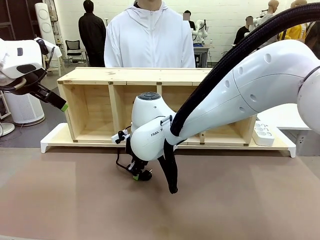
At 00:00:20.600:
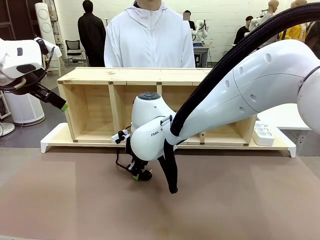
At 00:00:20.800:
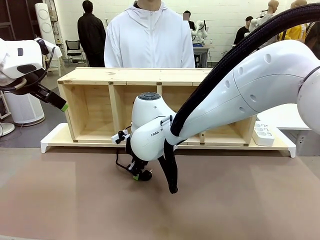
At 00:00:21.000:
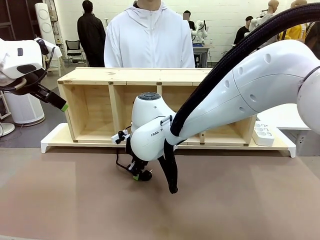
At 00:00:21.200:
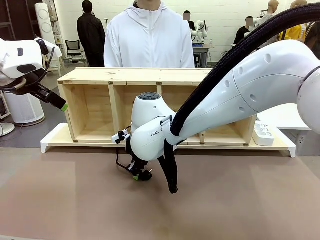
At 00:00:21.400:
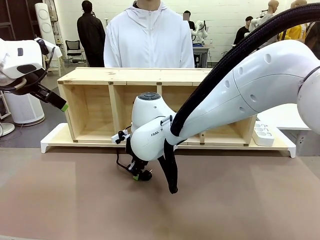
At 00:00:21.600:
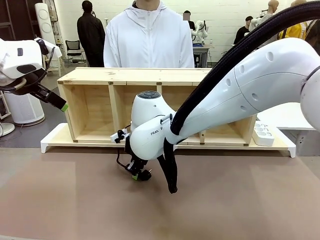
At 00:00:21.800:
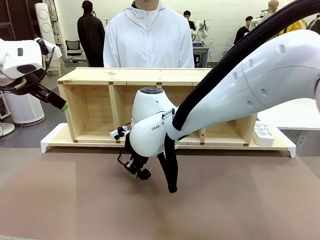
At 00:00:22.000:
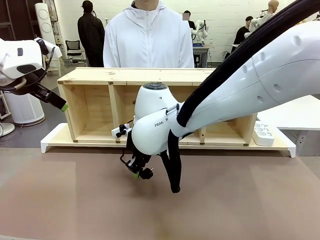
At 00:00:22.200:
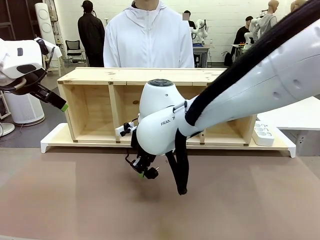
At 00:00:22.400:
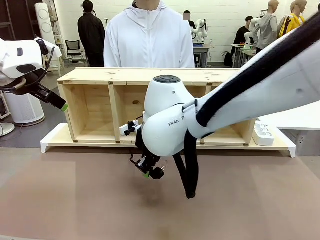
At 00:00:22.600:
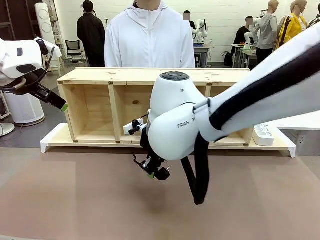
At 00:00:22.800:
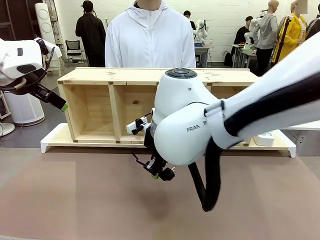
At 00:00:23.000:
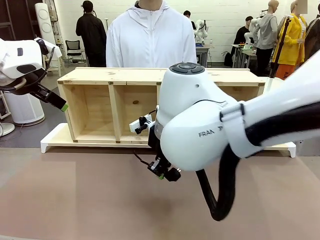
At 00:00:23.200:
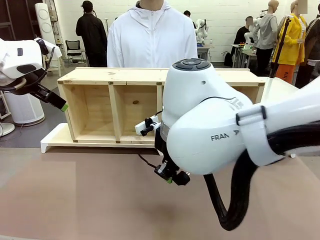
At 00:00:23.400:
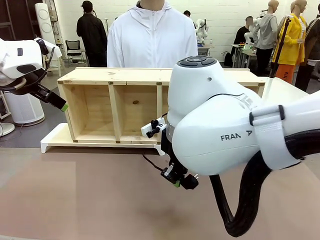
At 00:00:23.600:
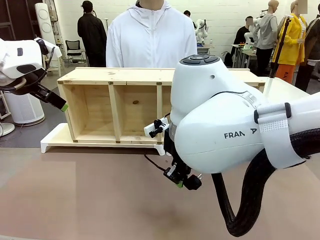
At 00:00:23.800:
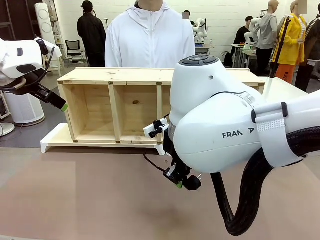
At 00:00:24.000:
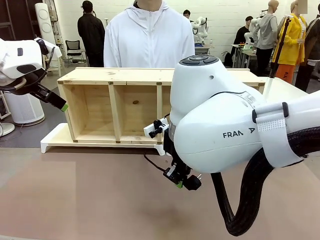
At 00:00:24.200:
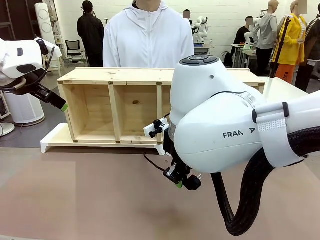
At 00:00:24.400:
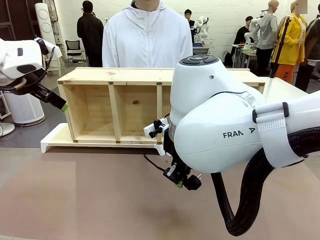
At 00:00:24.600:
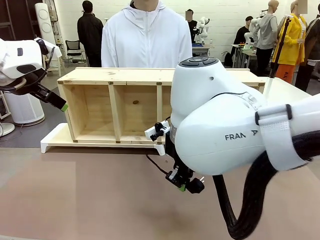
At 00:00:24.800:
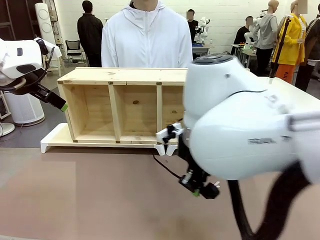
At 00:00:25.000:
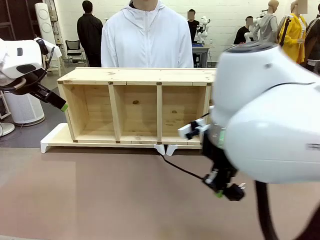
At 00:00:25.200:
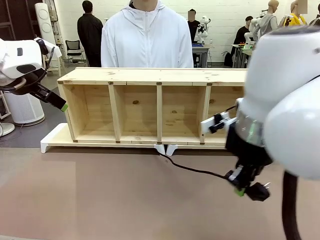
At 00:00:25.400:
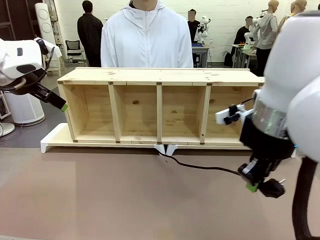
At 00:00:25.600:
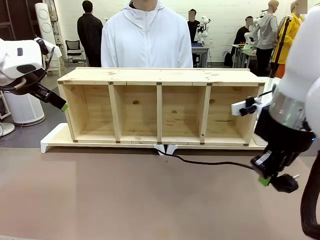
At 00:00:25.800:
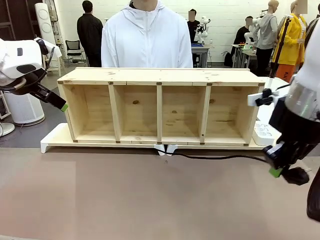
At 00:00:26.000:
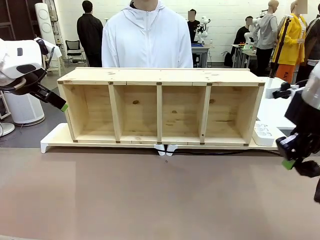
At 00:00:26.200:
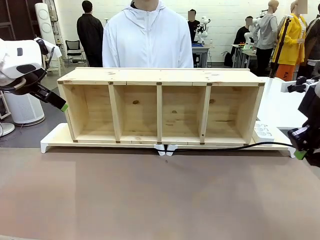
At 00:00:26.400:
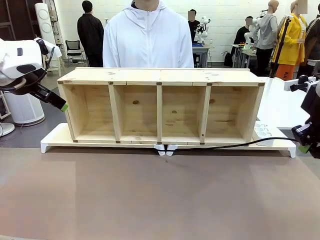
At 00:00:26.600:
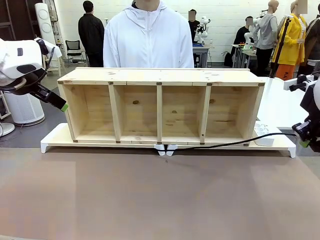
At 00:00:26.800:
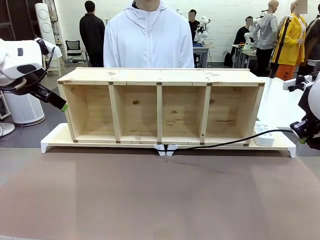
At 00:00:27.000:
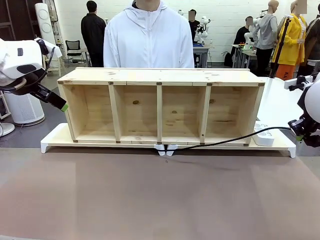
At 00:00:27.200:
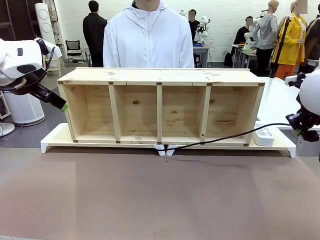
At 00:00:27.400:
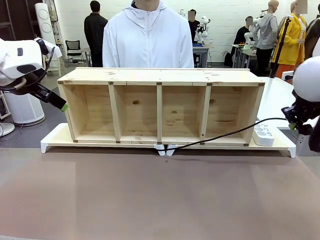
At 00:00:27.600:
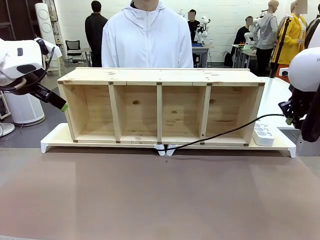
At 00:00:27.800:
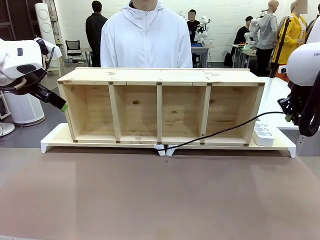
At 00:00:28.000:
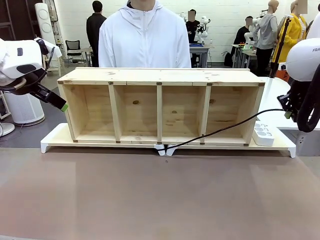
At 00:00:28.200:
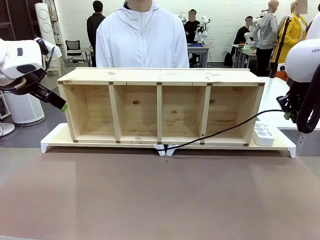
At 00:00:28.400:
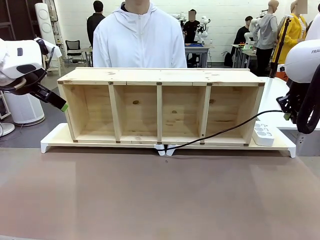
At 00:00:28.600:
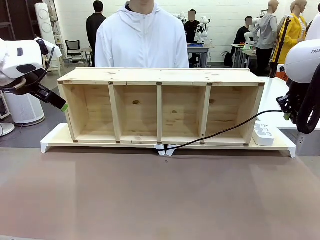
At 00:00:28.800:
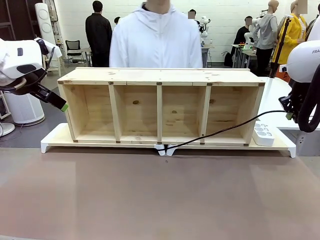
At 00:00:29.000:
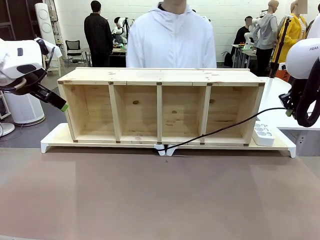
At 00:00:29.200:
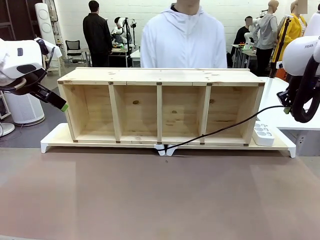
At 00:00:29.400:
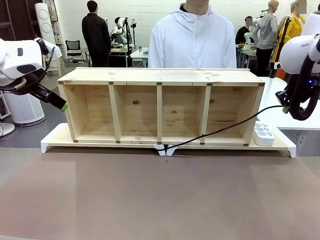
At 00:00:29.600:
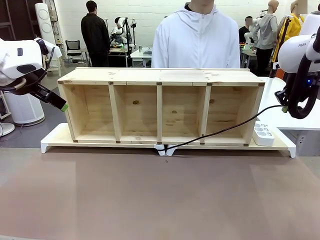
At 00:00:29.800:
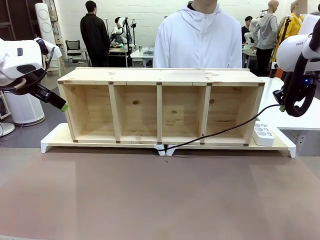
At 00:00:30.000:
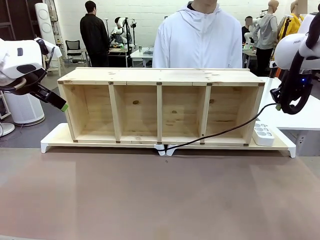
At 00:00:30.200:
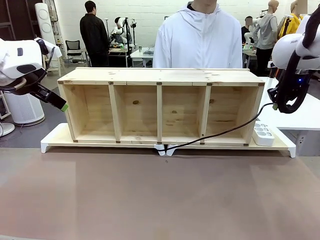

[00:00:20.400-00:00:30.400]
Task: Perform cable management.
Robot: Pull the grasped Power Cable to the location of the Power Strip.

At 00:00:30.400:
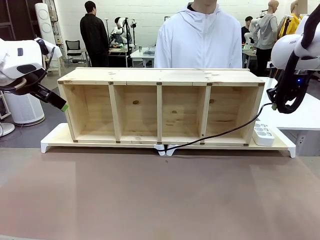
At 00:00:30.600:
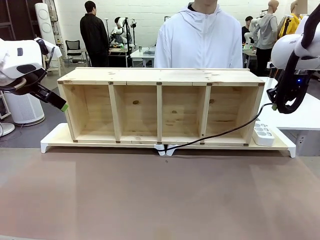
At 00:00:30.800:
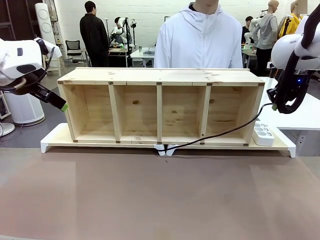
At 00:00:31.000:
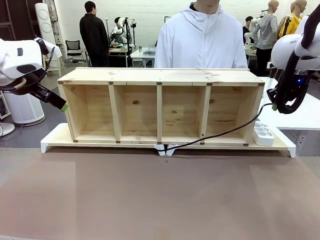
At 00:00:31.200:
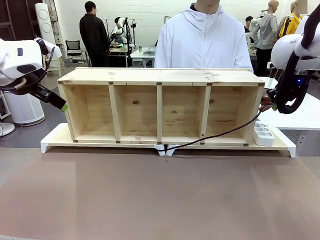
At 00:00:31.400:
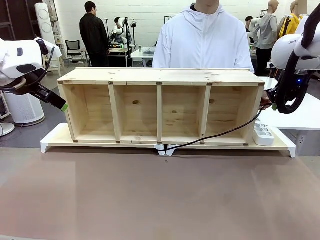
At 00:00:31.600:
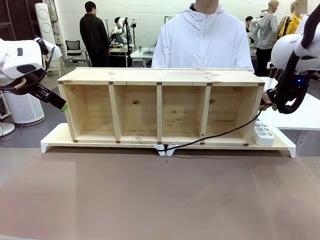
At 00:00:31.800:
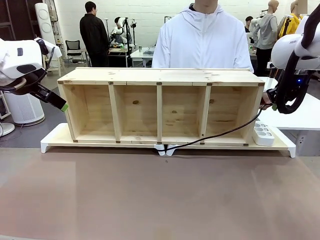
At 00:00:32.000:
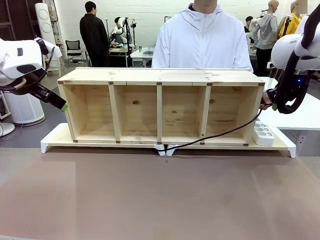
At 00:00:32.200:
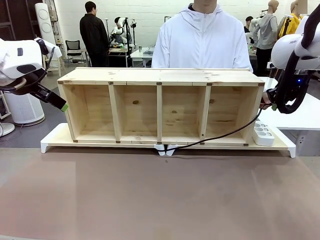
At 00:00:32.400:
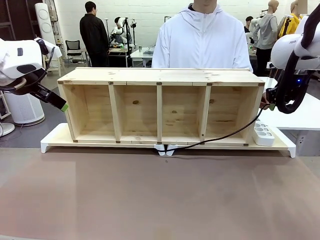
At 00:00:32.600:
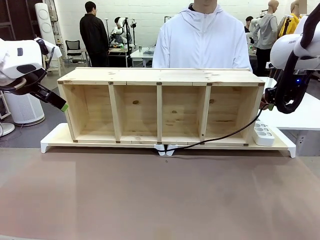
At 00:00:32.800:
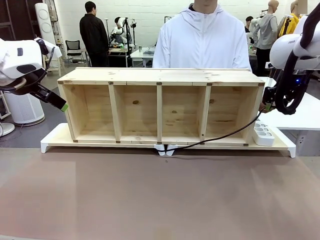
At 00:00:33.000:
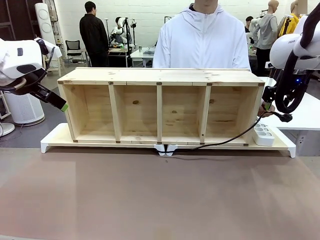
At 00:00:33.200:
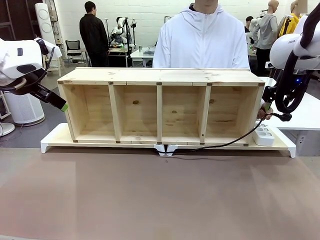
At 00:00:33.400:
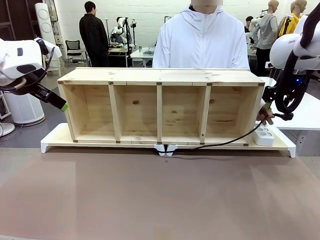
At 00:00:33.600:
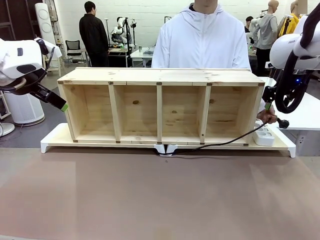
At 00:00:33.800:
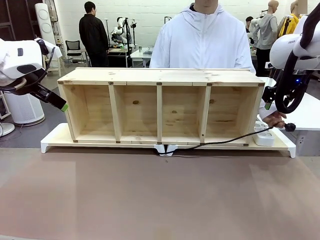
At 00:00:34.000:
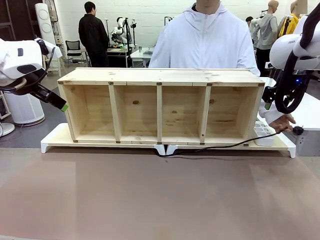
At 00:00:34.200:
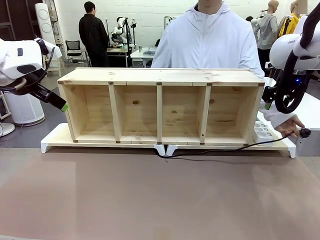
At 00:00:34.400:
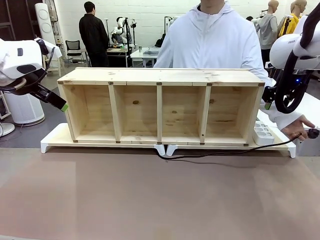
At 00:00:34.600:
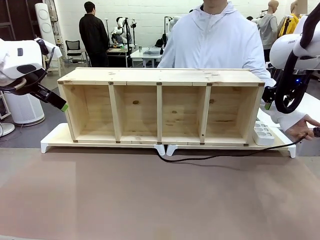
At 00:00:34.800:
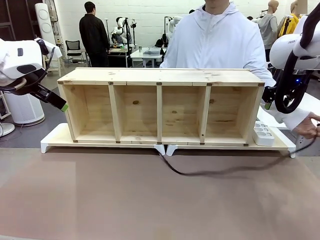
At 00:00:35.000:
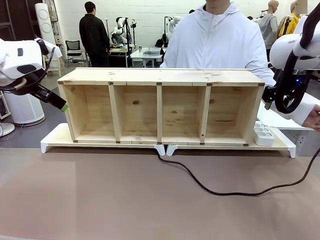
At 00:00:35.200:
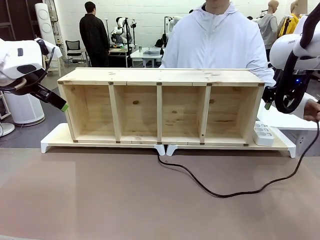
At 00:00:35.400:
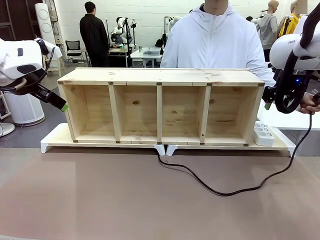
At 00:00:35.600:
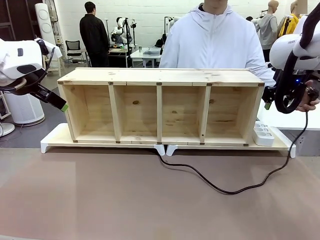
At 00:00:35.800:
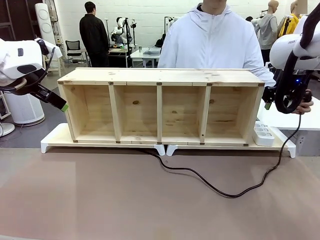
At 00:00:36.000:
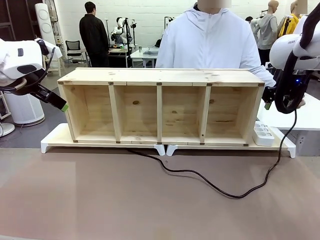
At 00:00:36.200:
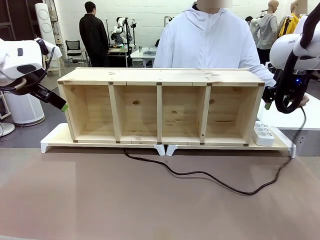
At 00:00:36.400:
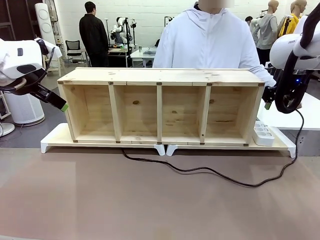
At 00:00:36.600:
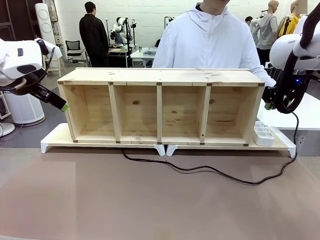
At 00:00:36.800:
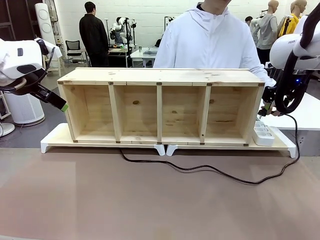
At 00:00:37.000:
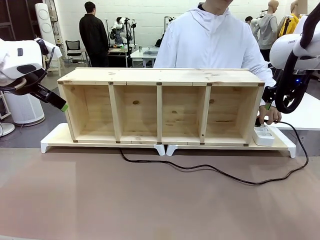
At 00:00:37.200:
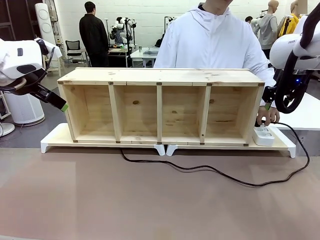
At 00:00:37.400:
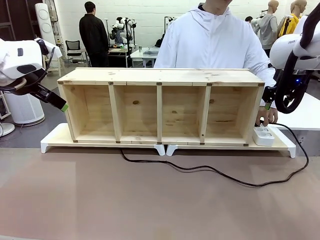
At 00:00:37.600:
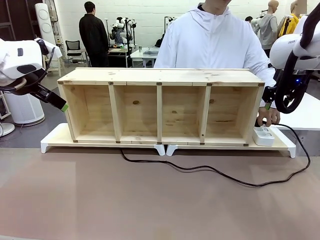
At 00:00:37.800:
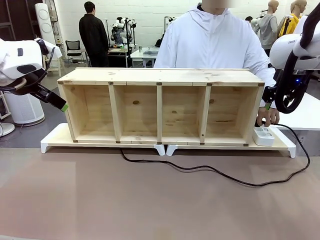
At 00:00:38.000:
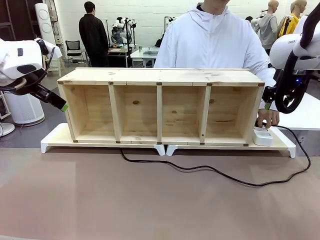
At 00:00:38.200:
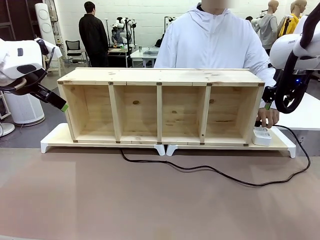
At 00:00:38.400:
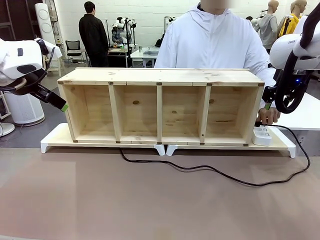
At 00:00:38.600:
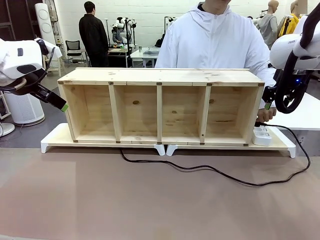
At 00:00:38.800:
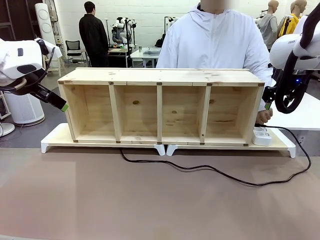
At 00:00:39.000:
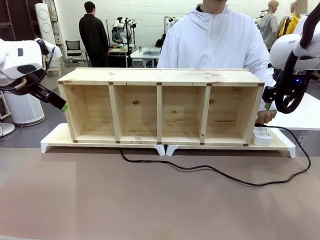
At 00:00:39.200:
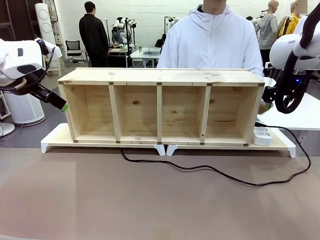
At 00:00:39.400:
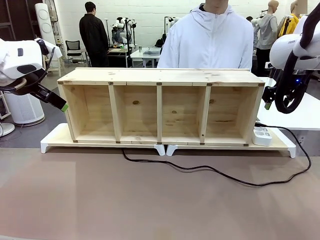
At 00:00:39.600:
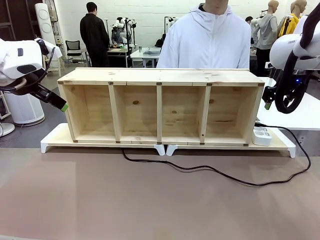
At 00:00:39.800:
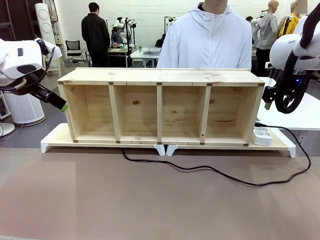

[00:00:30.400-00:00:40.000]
Robot: Release the Power Cable when the human grasps it.
Person: Plug the Power Cable into the Power Strip.
